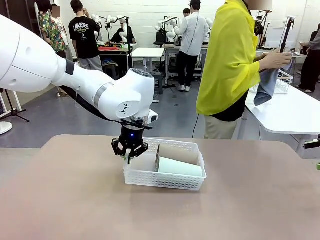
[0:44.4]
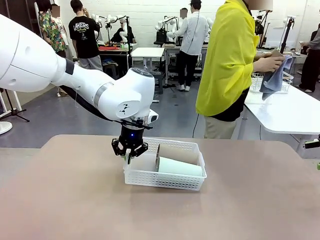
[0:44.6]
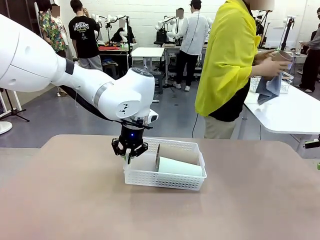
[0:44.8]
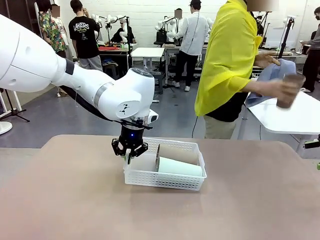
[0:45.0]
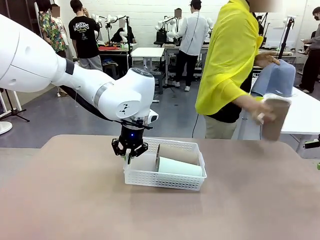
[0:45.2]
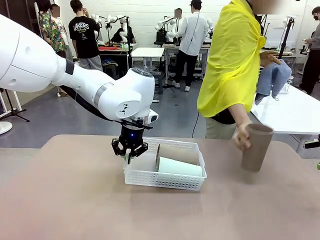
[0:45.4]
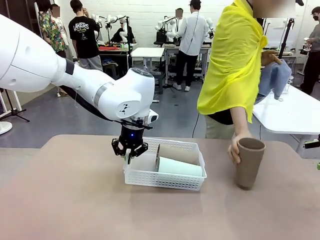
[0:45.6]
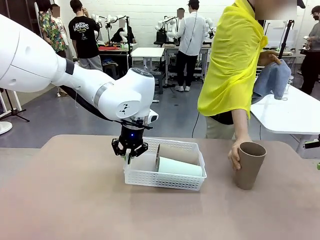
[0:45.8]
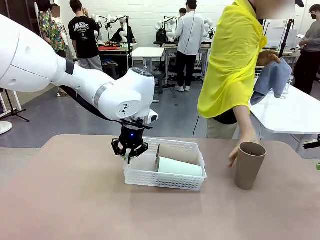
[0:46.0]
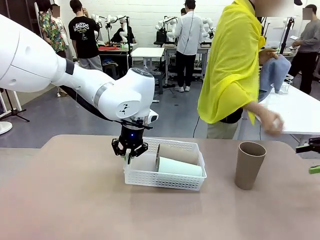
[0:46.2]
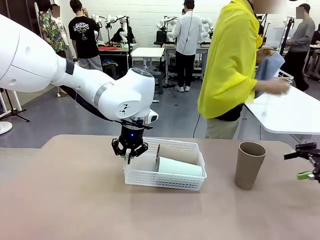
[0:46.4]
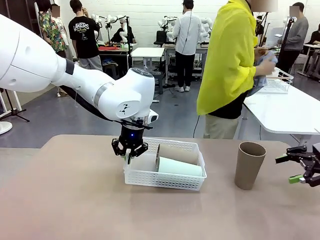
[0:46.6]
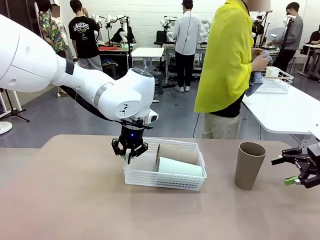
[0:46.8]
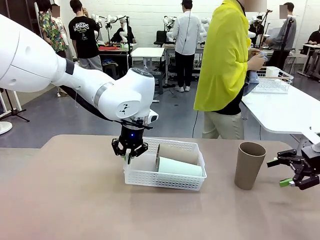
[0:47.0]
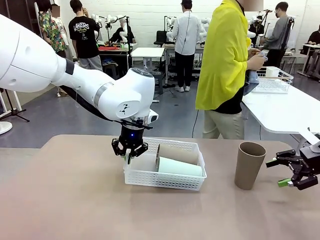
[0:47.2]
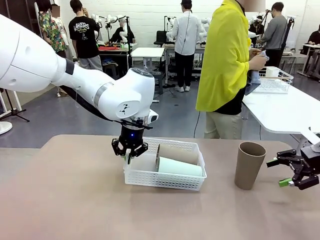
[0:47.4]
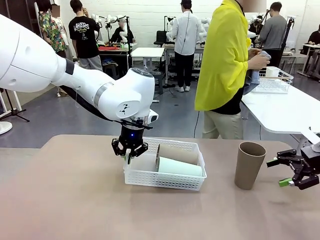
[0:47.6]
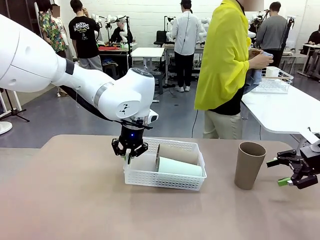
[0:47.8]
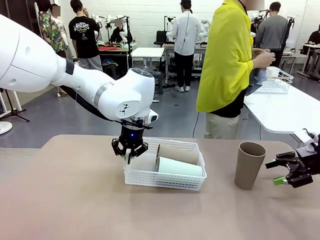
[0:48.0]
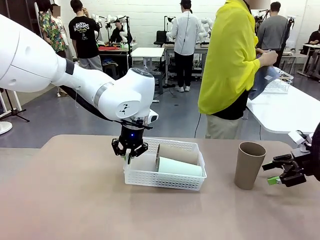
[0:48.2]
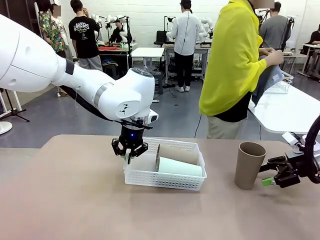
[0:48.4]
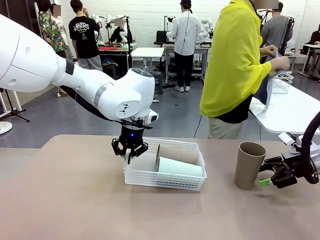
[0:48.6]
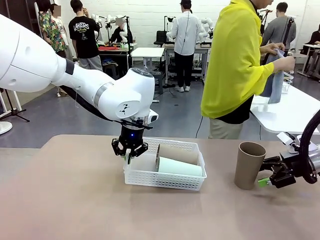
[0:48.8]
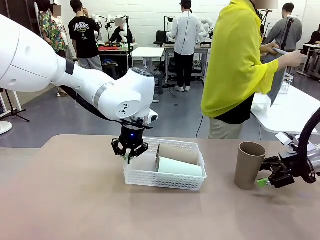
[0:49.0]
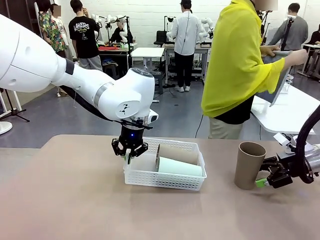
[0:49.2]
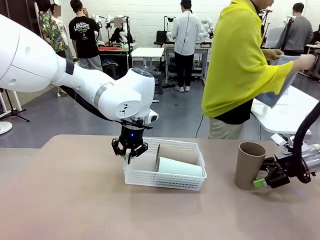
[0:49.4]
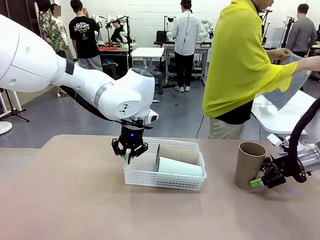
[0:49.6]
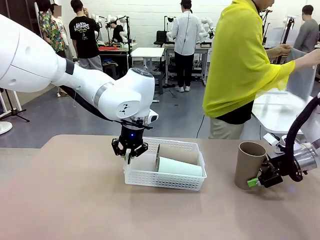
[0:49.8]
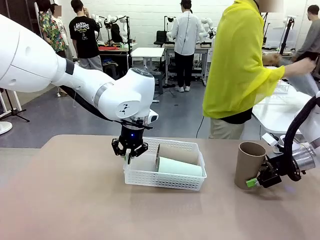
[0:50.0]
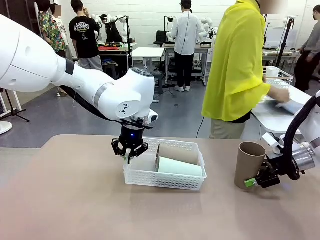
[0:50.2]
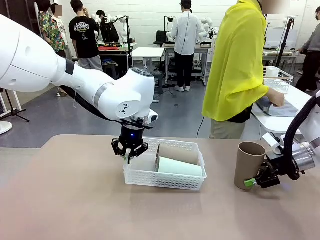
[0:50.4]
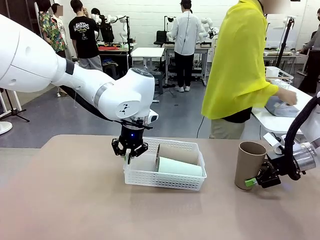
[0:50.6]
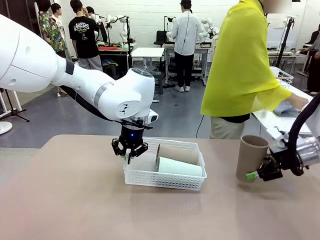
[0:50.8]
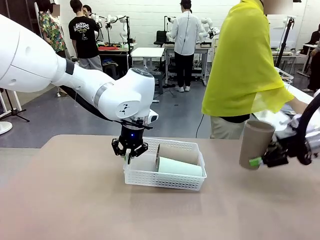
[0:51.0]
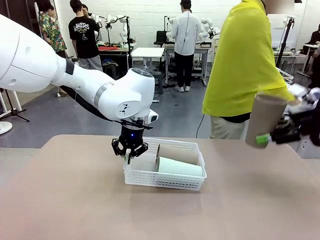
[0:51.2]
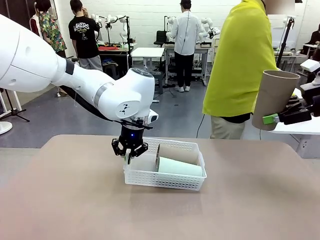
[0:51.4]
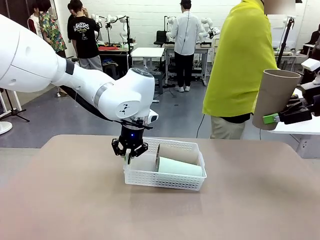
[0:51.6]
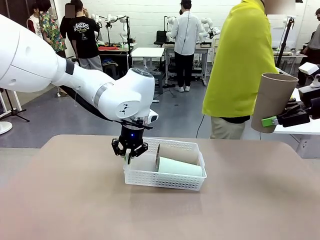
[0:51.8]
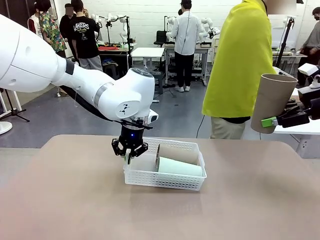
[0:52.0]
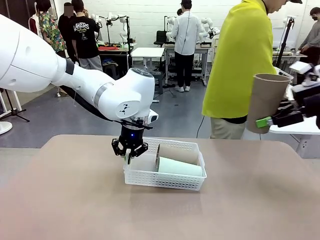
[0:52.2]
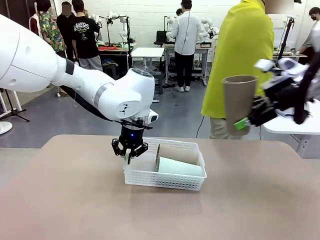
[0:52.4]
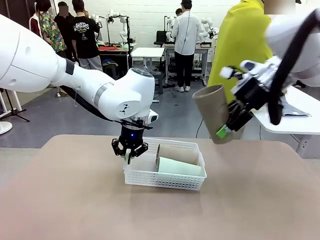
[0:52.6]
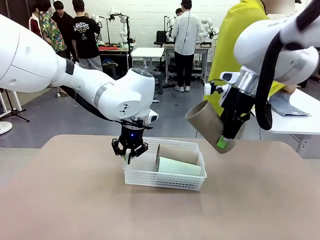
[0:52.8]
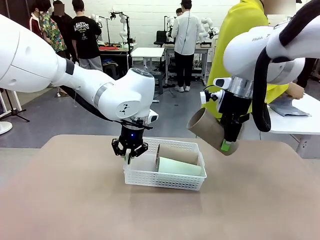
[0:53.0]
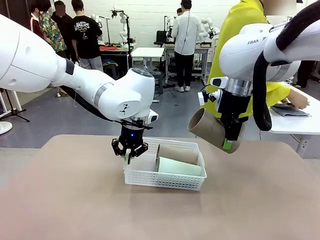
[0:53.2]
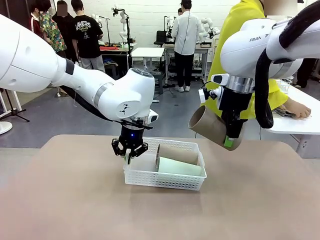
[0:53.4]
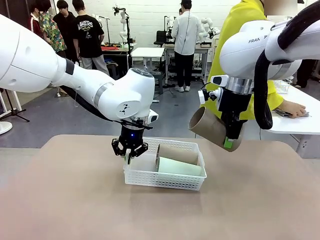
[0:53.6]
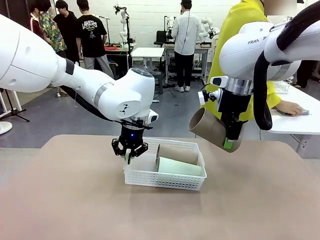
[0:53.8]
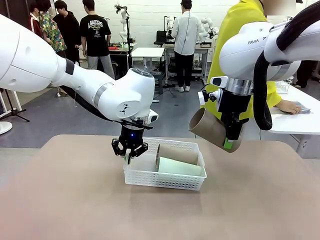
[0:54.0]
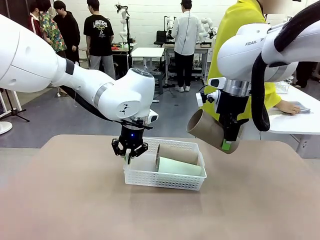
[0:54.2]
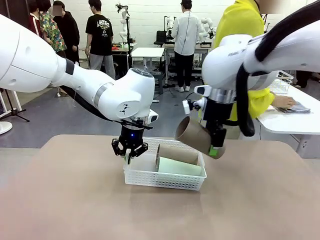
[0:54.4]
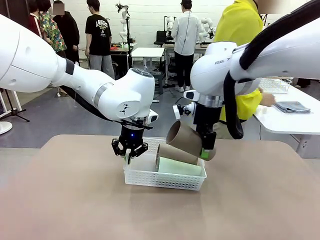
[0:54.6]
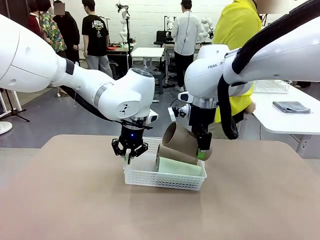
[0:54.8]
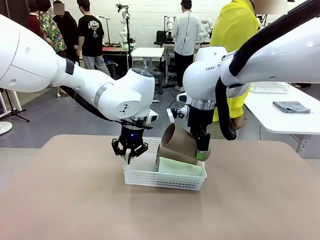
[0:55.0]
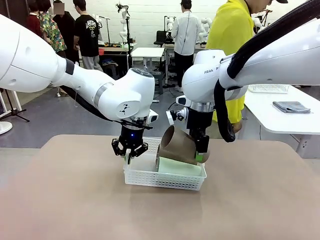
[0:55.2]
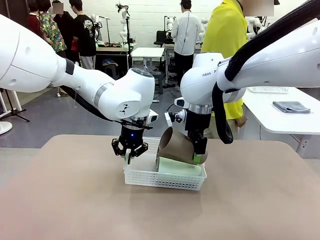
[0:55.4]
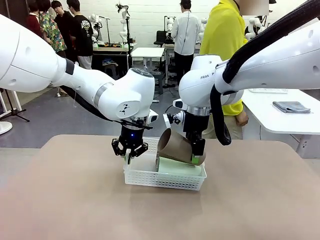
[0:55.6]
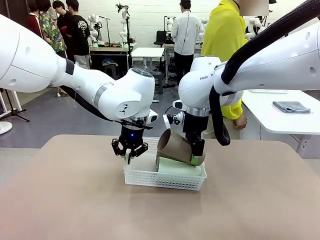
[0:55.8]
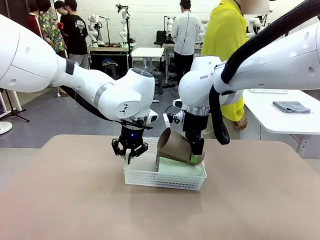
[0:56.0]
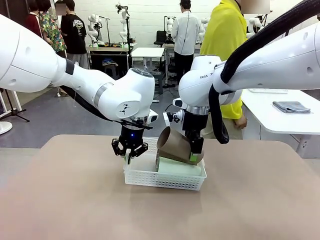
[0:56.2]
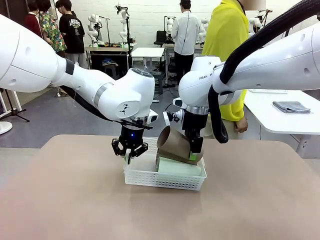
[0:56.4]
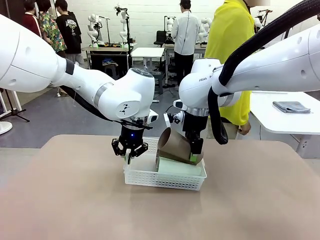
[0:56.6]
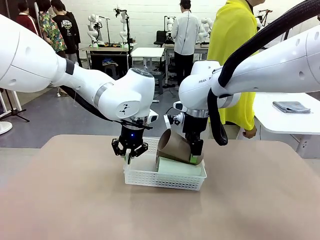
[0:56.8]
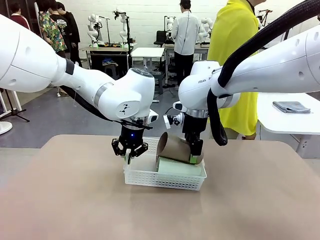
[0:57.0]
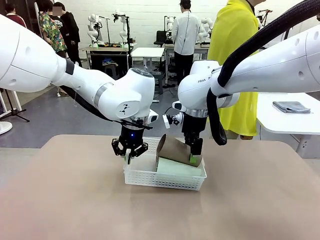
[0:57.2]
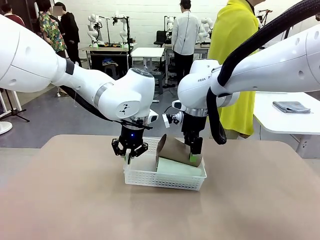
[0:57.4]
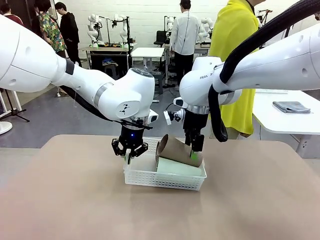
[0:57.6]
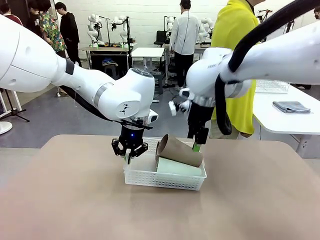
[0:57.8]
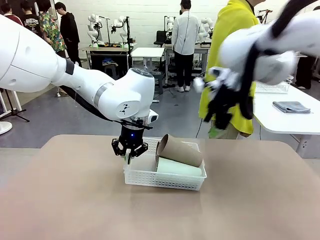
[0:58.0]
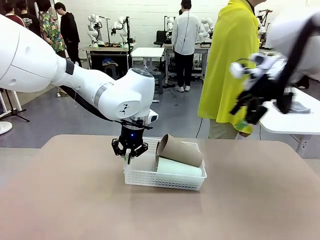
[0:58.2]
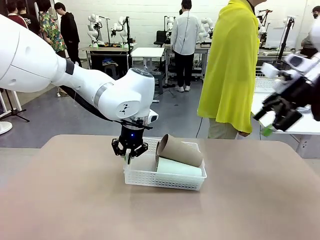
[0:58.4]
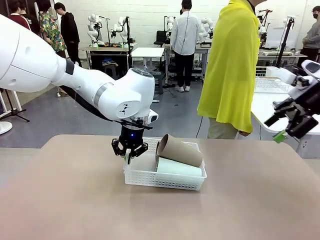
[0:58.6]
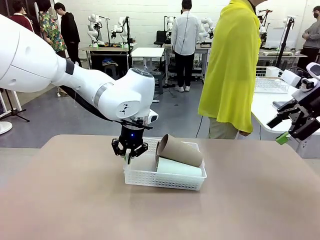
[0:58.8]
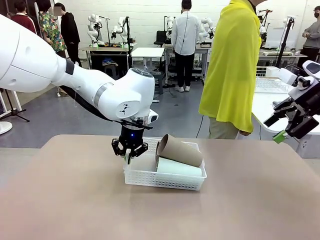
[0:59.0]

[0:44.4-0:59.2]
Task: Clean and organize the cups into the basket.
Robot: Pick up the Reusable plastic cup from the right side of the table and stack it inside the Organizing basket in the center of the table.
Person: Folds the towel in half twice and places it in the right of the table.
